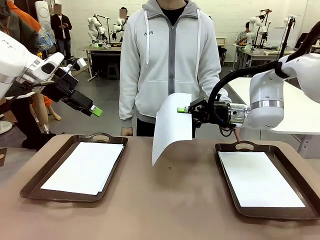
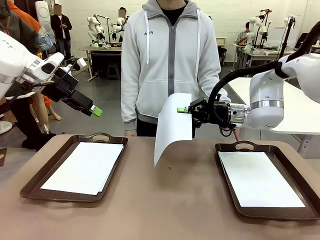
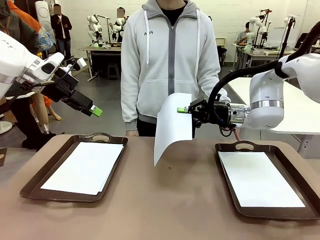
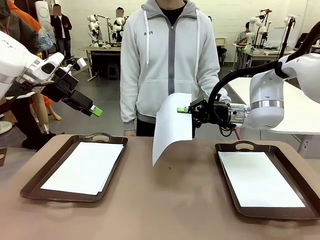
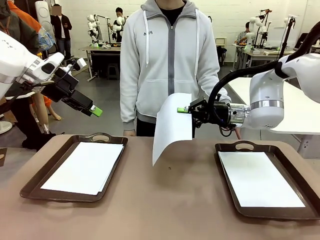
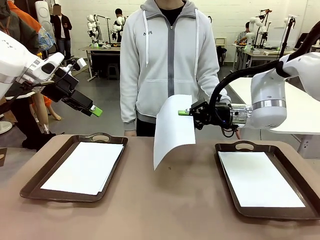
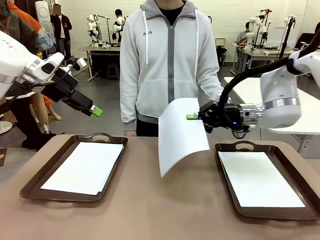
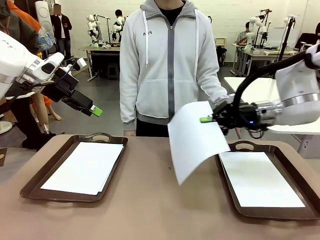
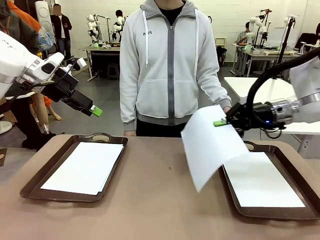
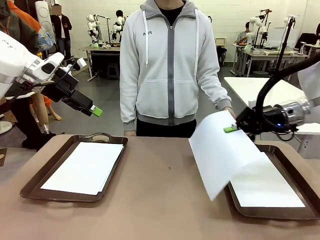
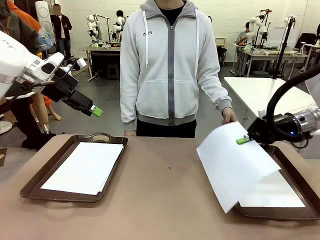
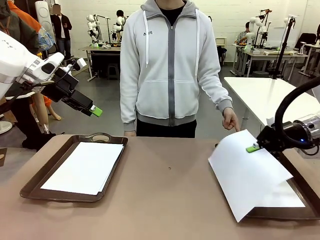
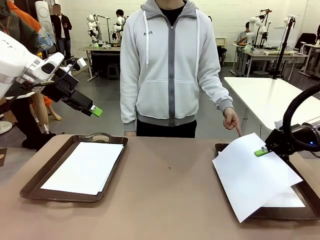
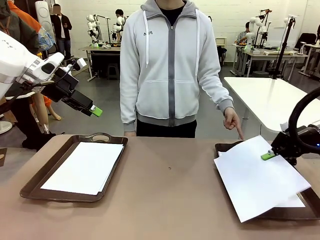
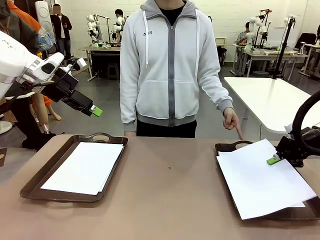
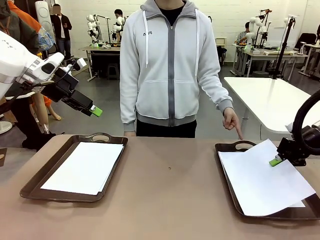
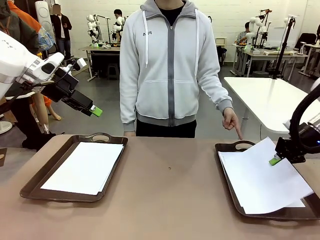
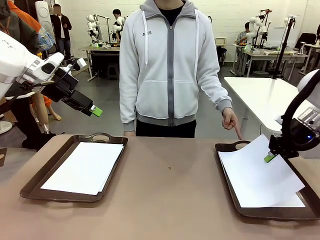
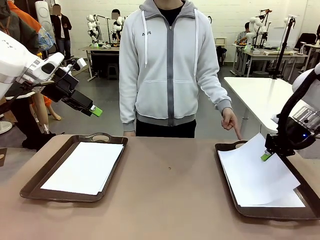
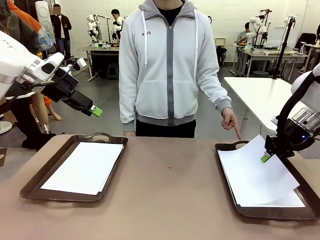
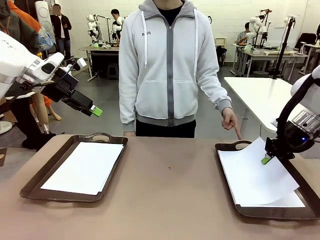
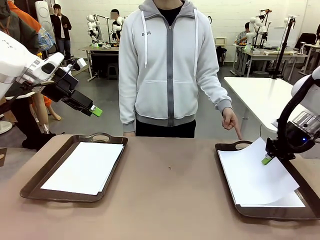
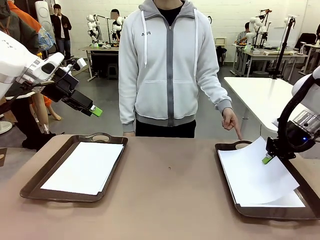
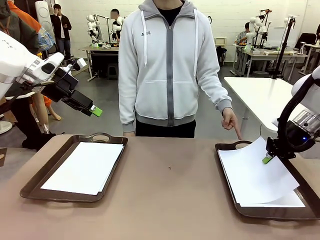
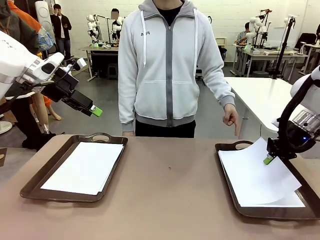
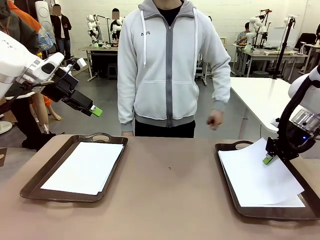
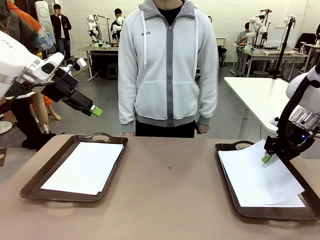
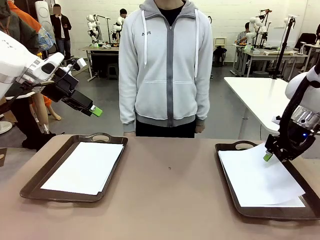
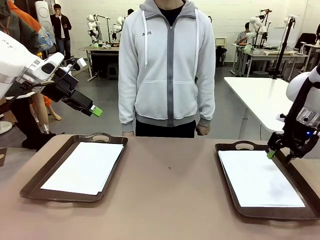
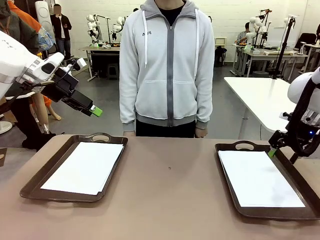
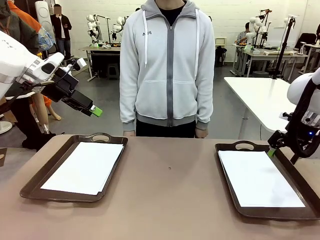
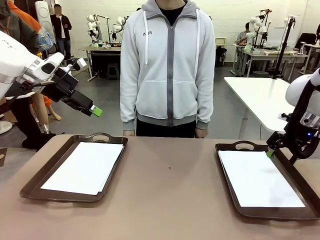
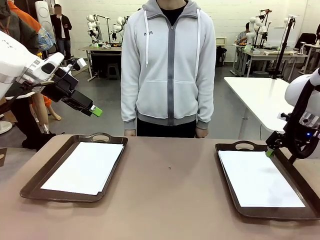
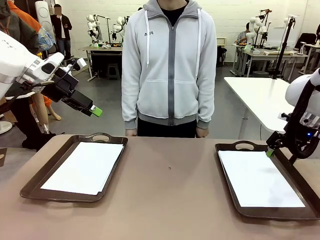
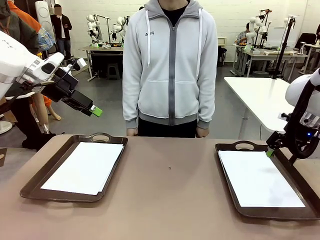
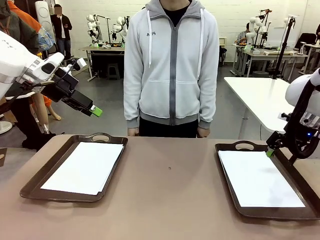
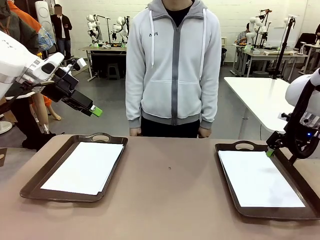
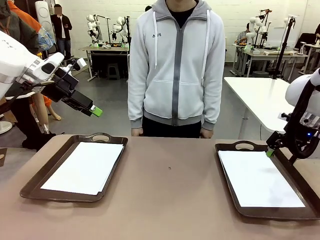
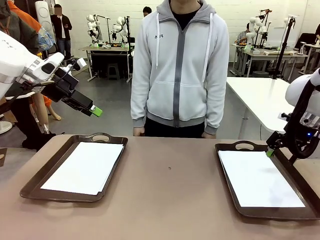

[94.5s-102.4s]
Task: Sort the A4 documents.
Robot: Place the A4 Paper in the designated Handle tray.

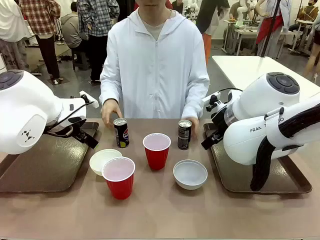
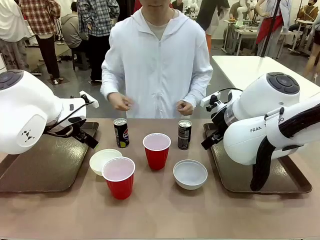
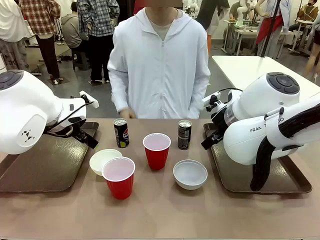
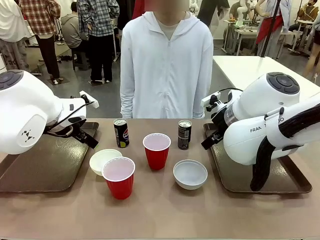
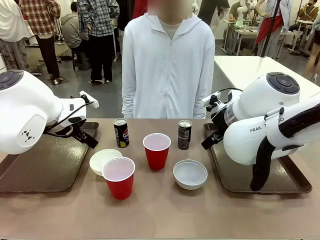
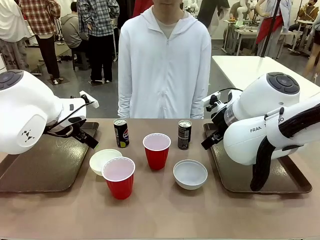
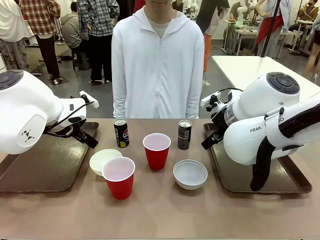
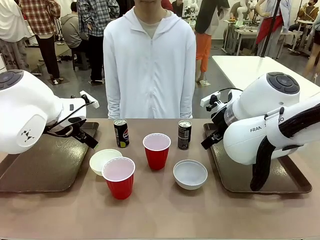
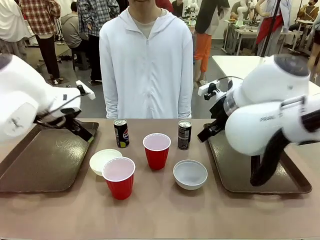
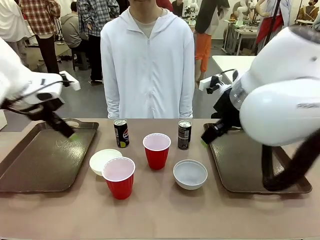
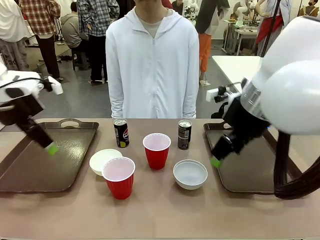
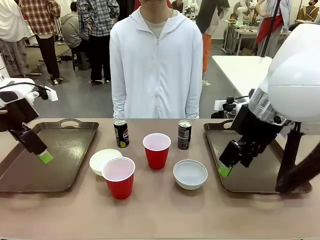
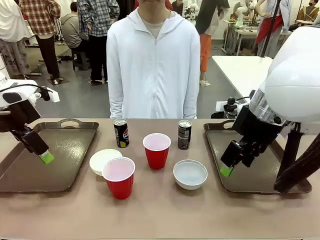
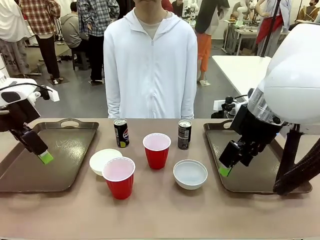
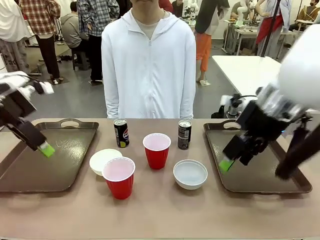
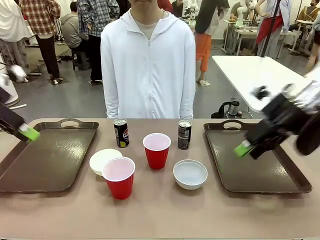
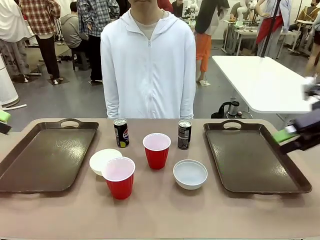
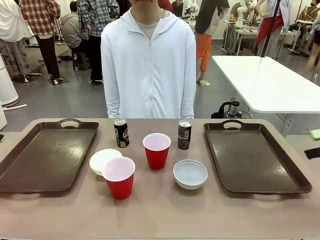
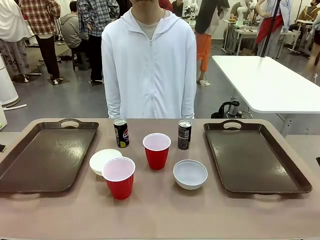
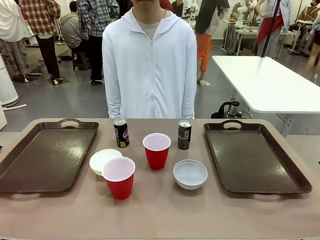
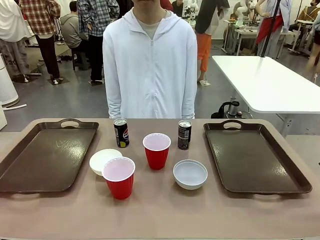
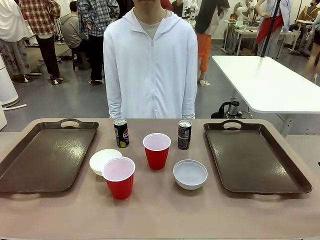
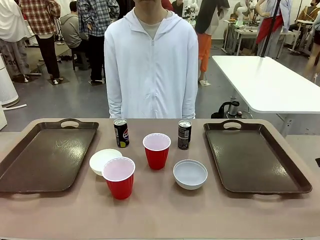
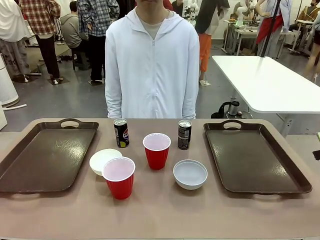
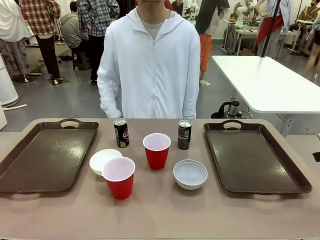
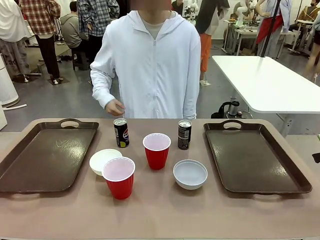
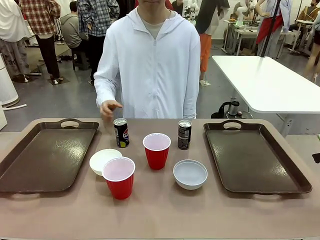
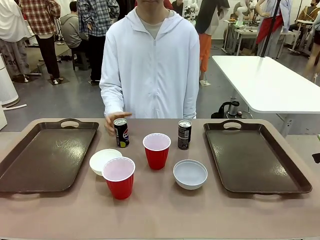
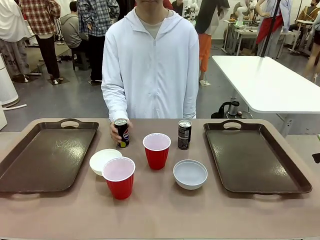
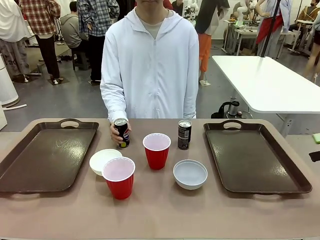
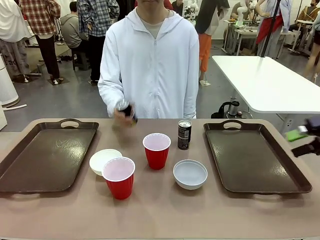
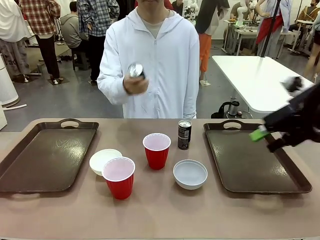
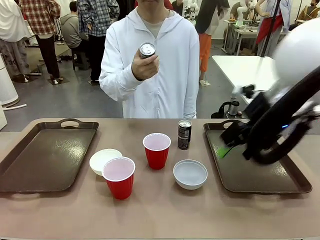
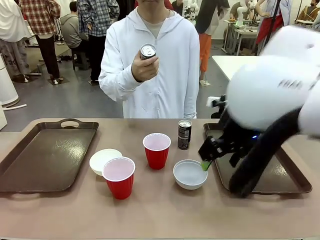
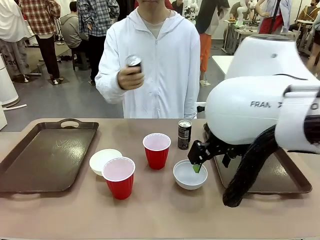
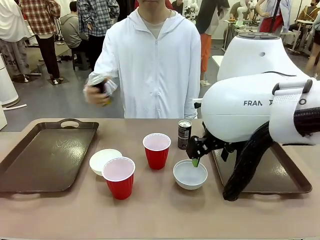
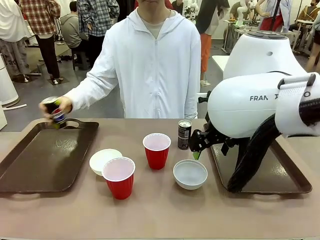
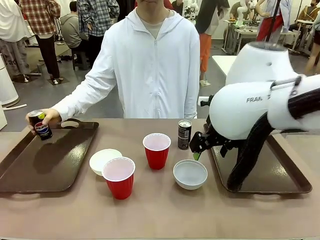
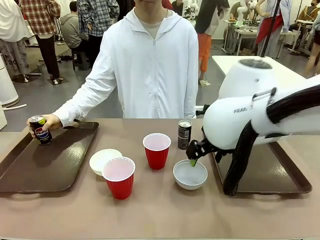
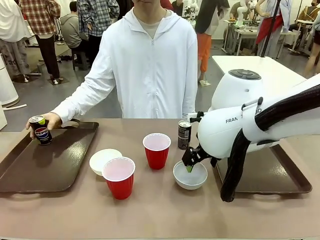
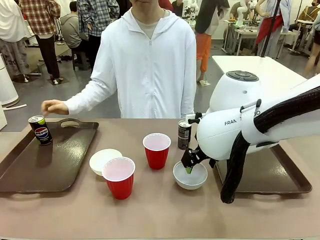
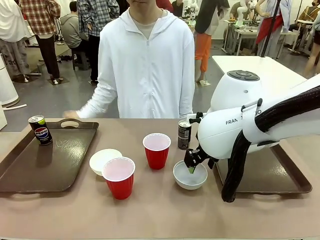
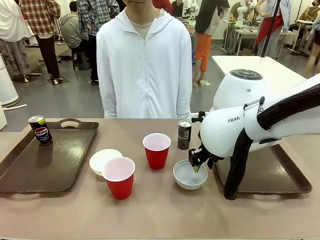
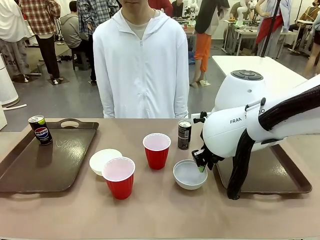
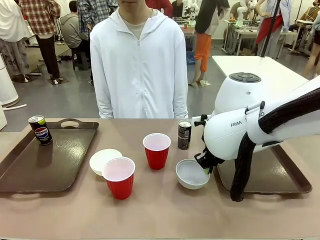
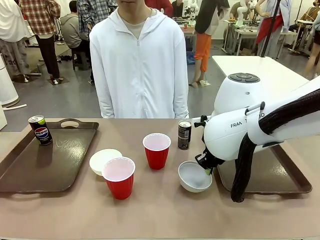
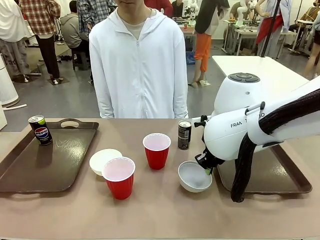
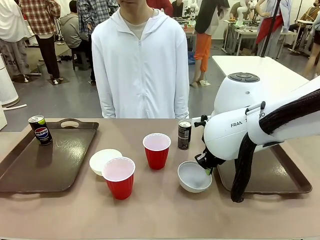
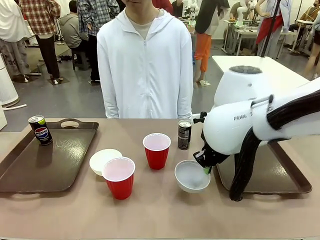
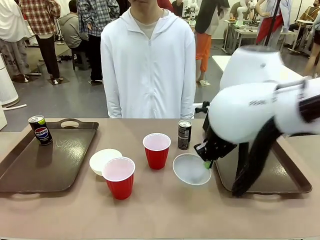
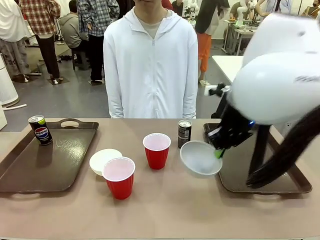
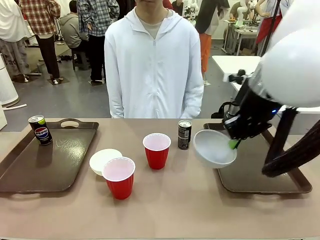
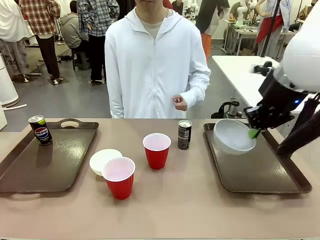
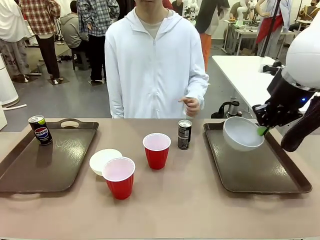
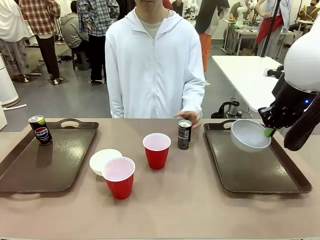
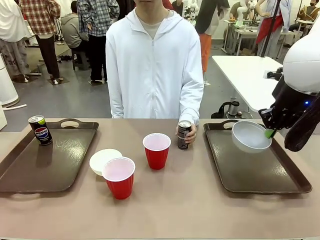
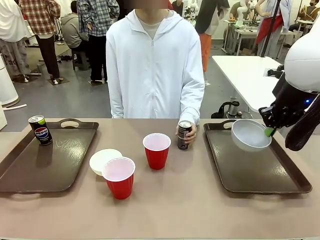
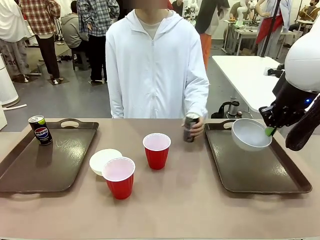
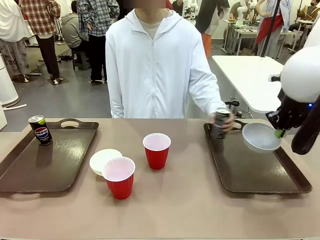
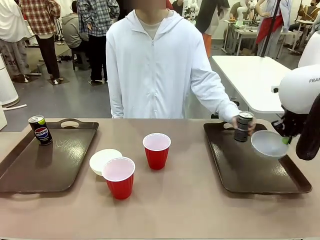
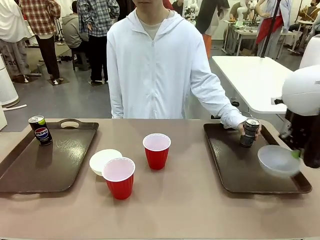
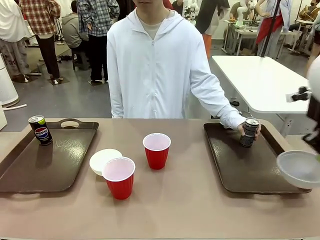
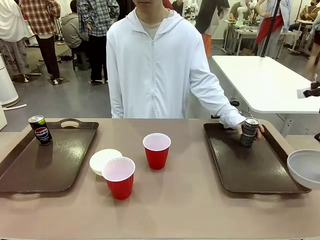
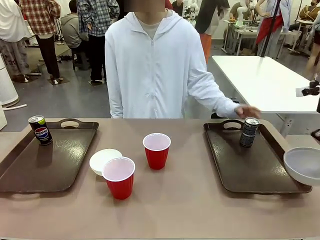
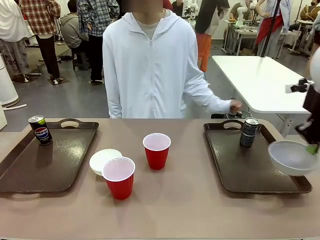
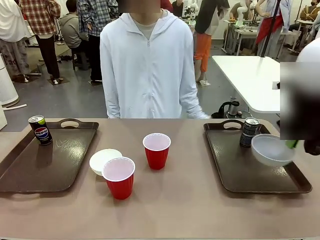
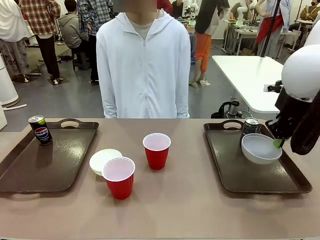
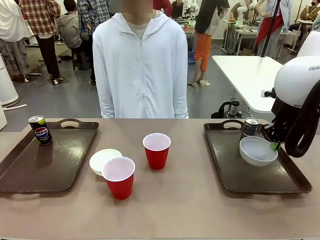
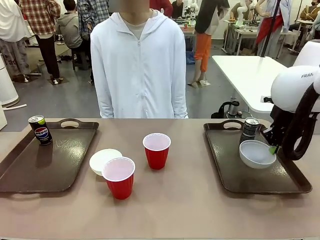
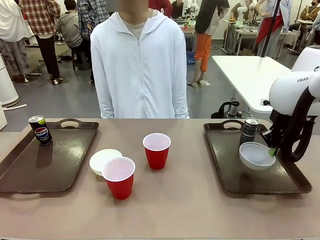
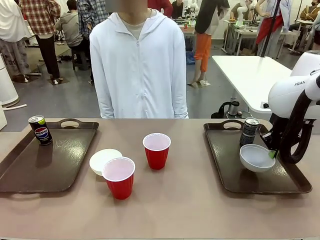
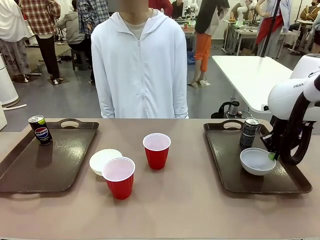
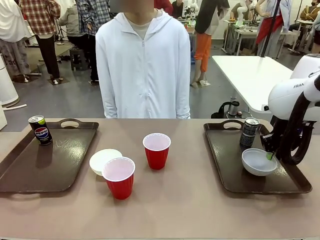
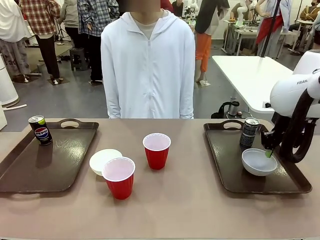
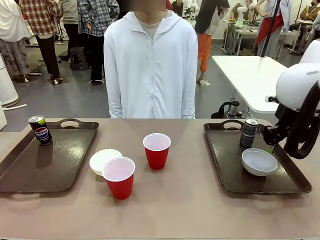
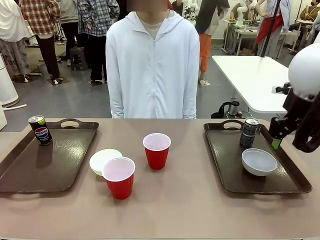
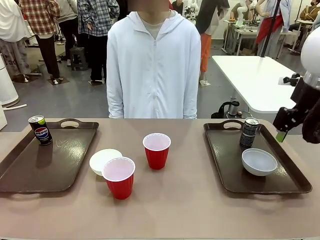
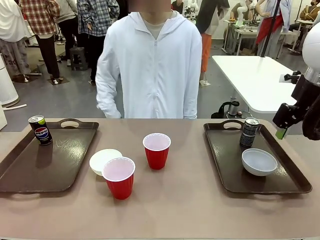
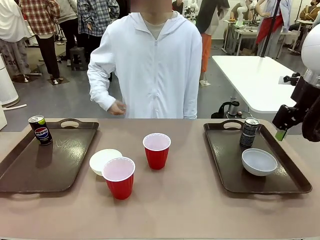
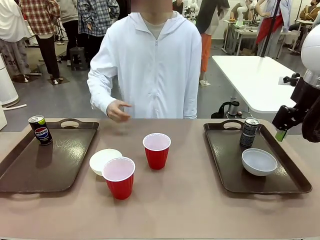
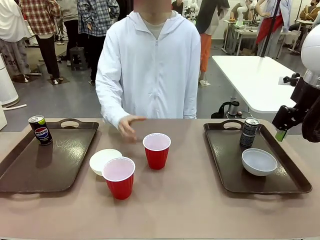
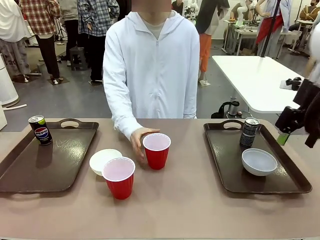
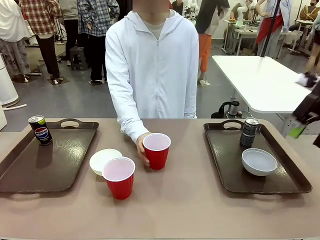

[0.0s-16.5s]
Task: Prepare tableware on both trays.
Robot: Pick up a Picnic Bowl from the table and place it on a Handle tray.
Person: Pick up a can or cup and place it on the tray.
